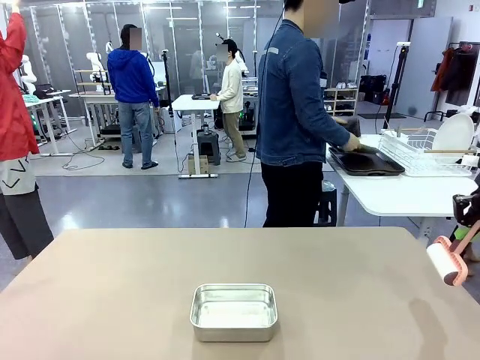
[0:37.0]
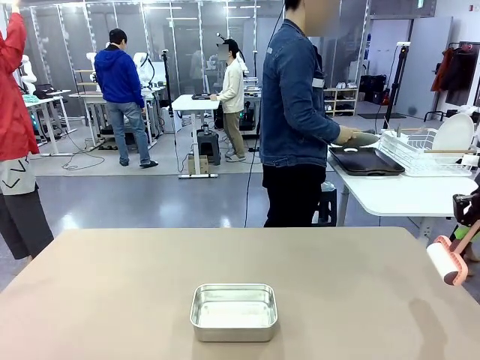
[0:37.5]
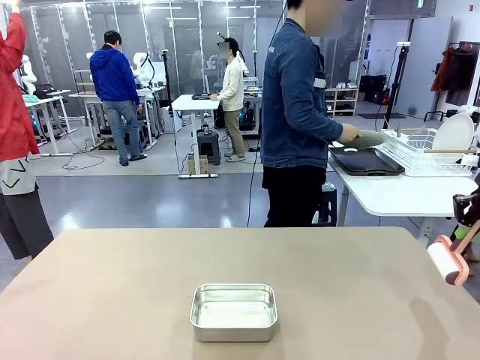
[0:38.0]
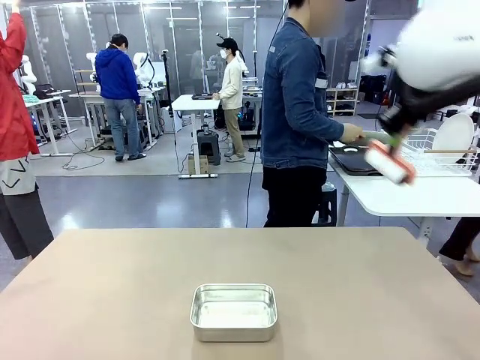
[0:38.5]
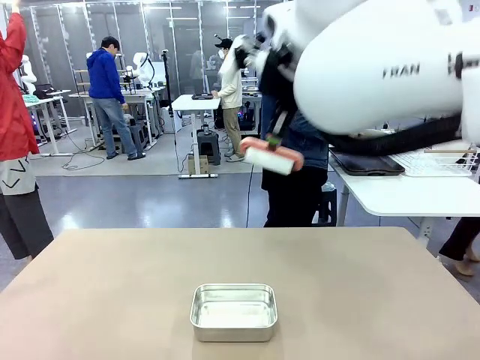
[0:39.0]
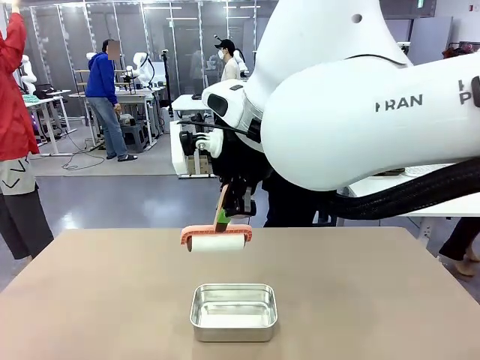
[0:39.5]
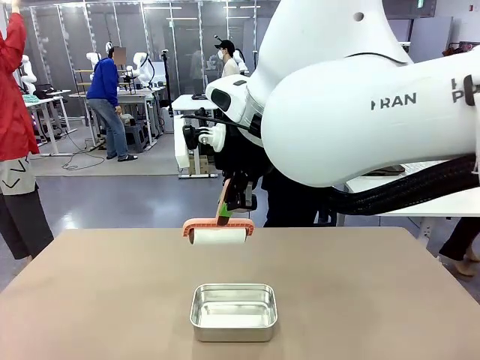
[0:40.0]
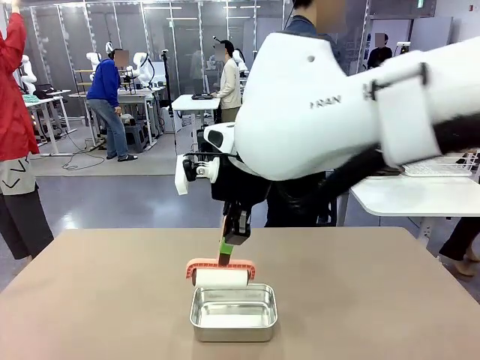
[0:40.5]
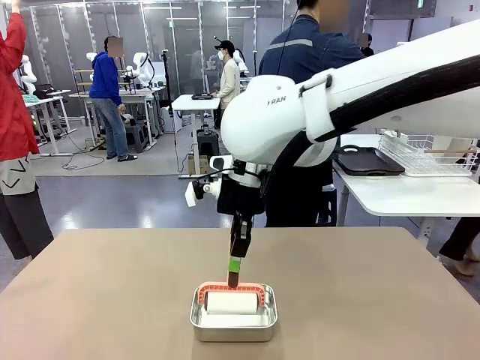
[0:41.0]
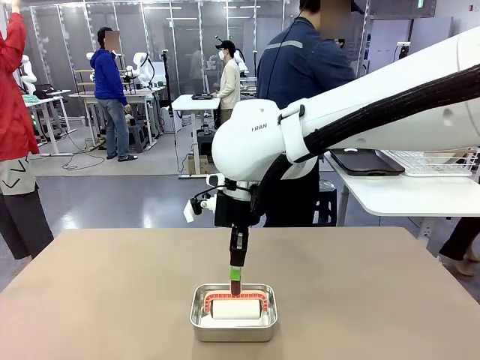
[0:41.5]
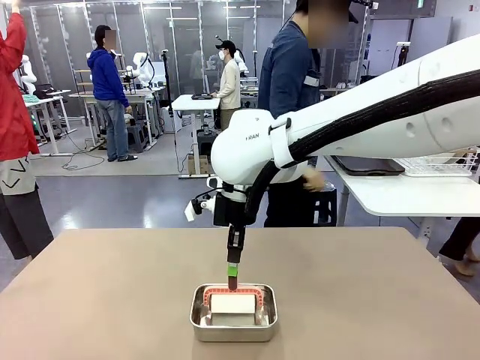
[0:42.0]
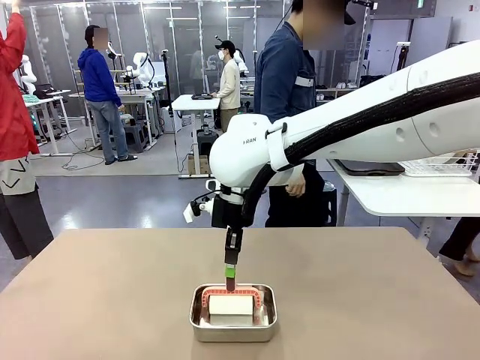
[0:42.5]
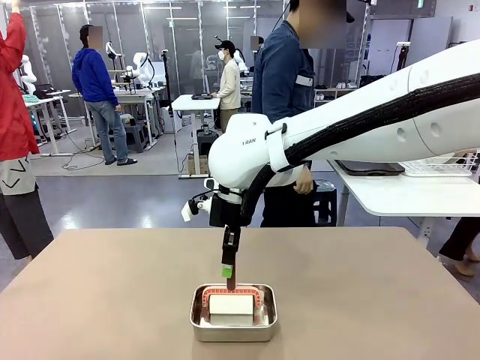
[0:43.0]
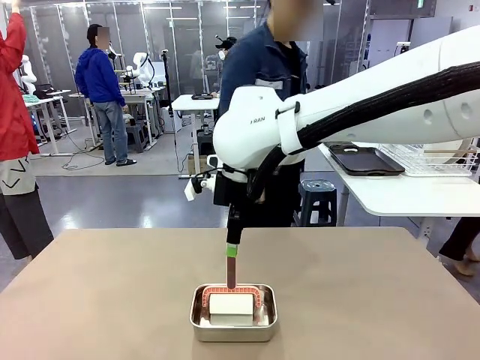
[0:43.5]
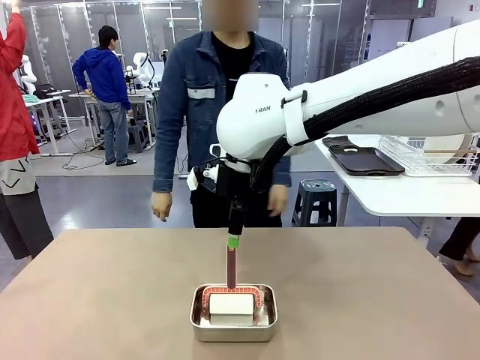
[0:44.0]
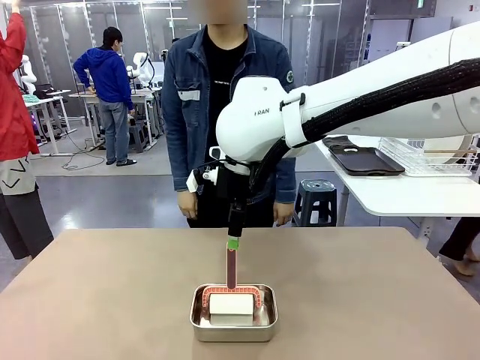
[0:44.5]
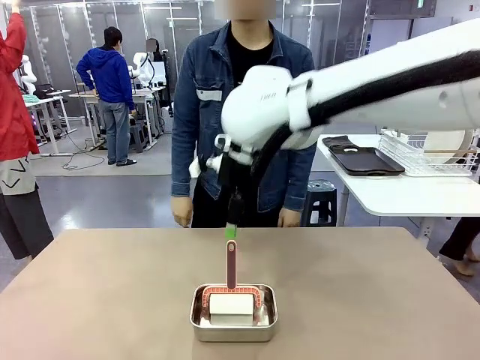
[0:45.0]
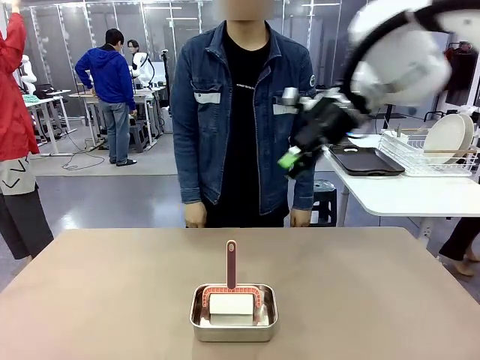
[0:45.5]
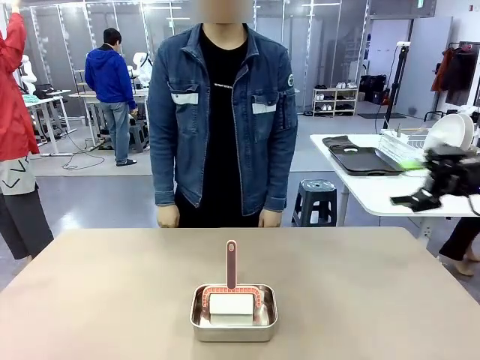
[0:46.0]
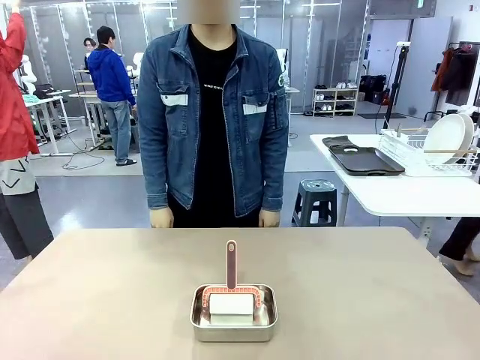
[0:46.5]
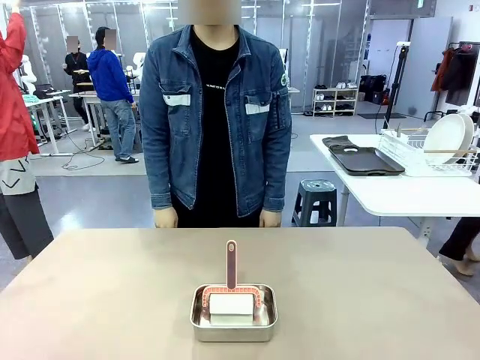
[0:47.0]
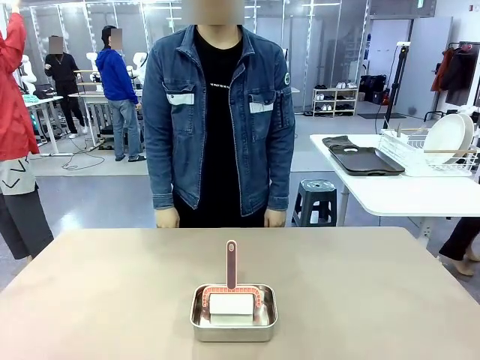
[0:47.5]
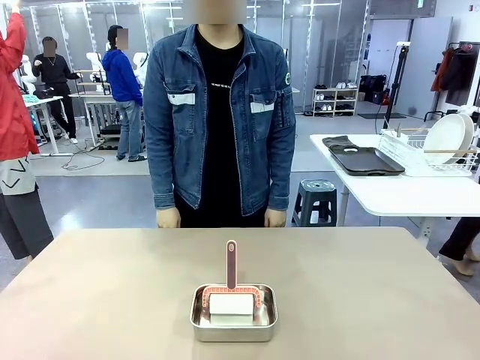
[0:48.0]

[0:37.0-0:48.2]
Robot: Place the Lint Roller back on top of the Airtight Container.
Person: Use the Towel with hook to wipe the Plastic Matte Plate , Fork , and Knife and place into the Dish drying rack.

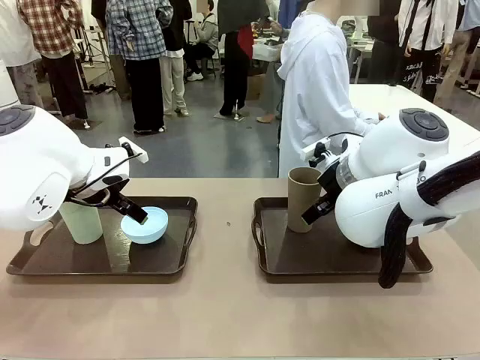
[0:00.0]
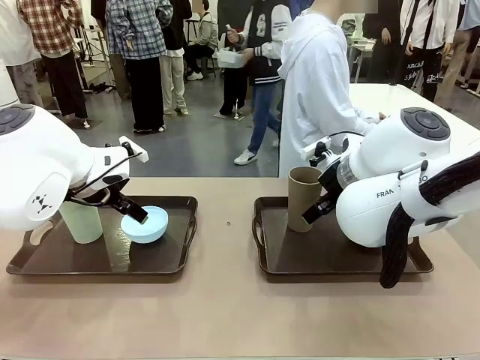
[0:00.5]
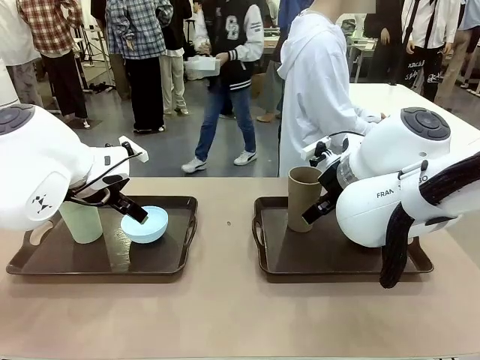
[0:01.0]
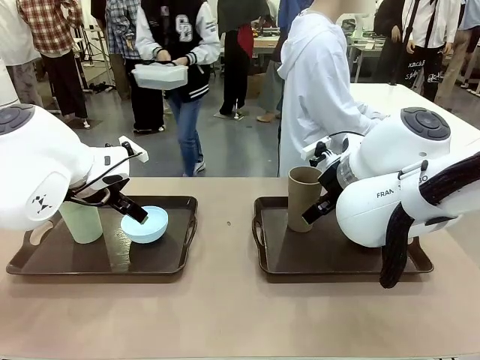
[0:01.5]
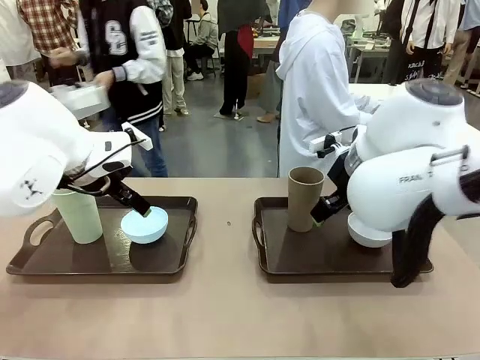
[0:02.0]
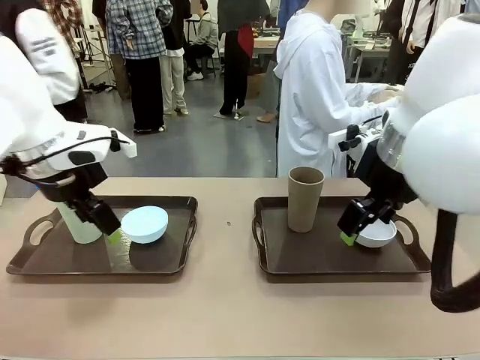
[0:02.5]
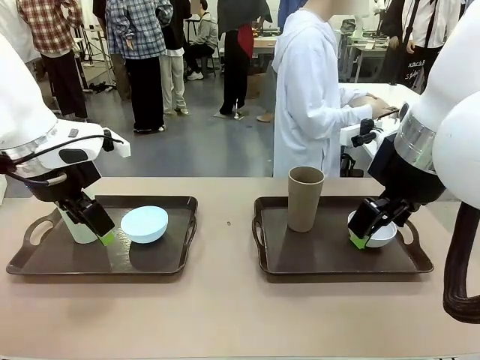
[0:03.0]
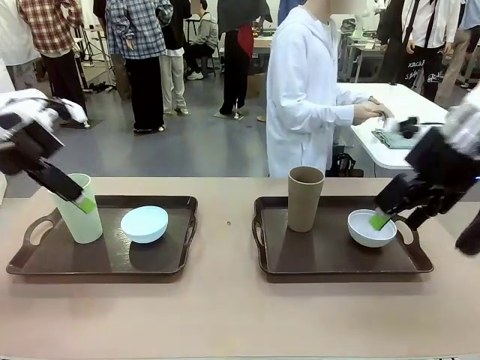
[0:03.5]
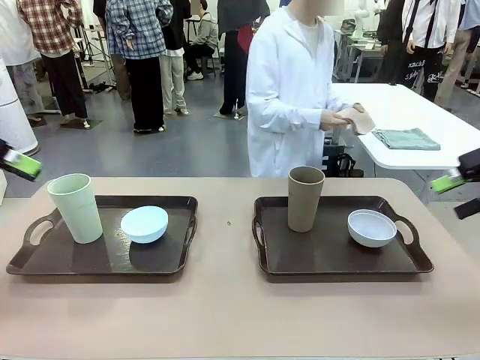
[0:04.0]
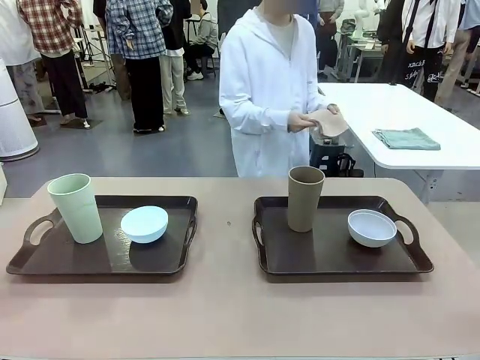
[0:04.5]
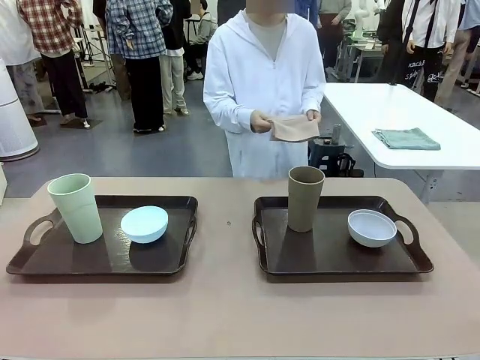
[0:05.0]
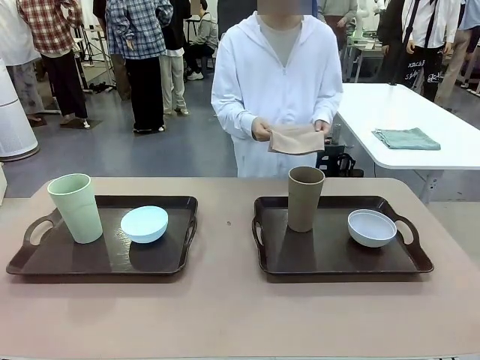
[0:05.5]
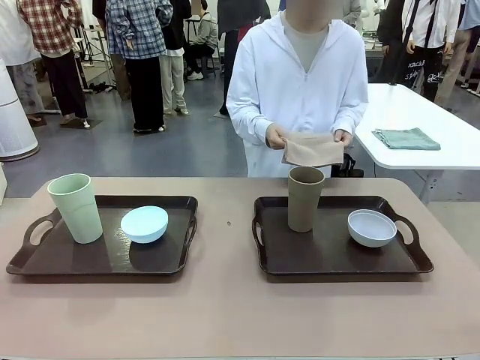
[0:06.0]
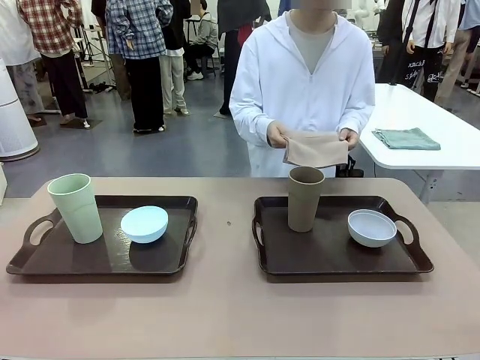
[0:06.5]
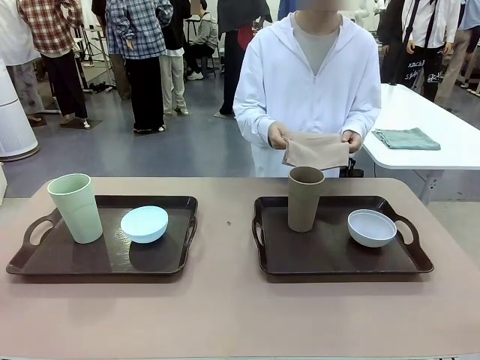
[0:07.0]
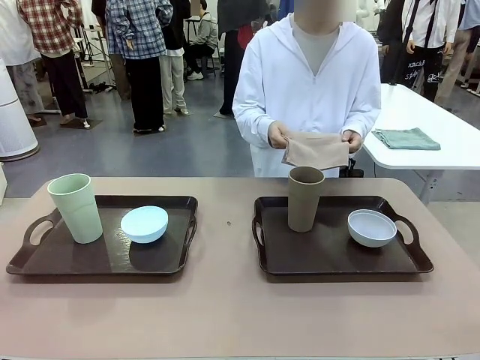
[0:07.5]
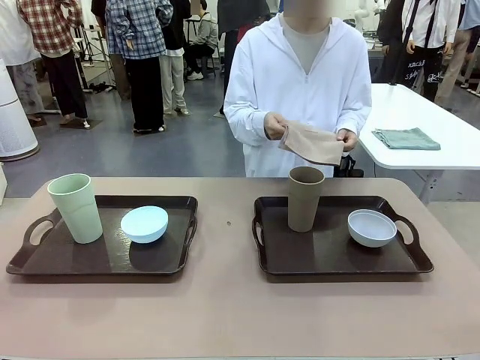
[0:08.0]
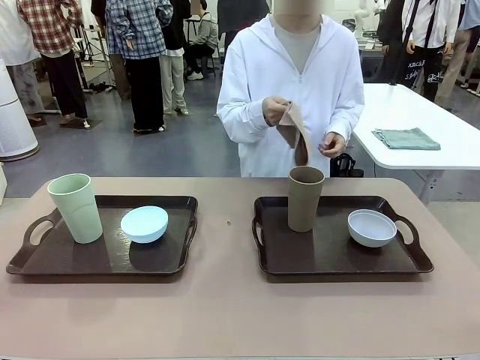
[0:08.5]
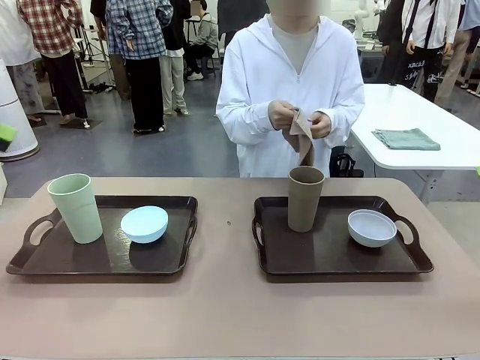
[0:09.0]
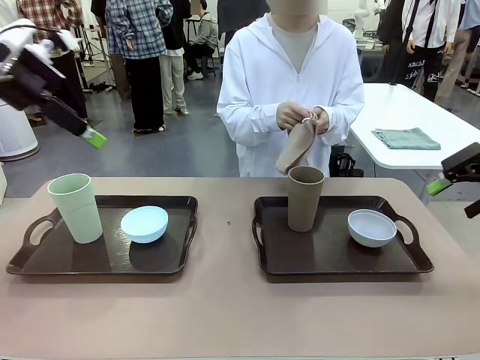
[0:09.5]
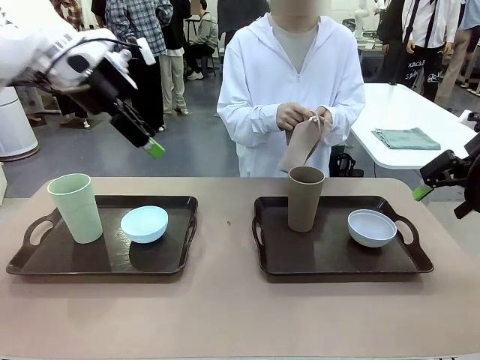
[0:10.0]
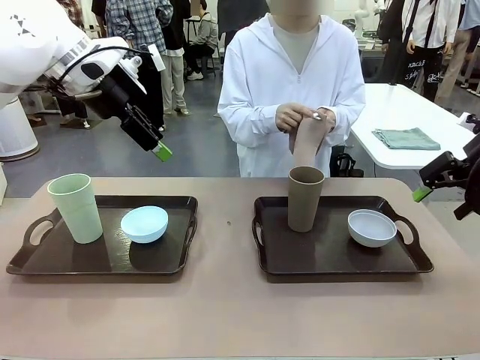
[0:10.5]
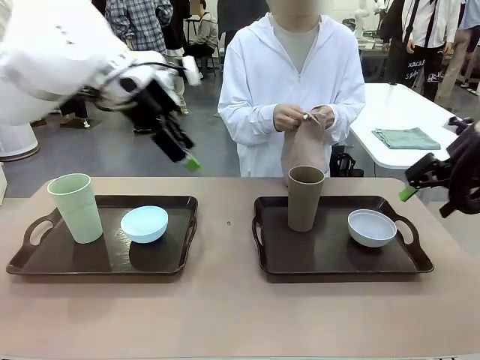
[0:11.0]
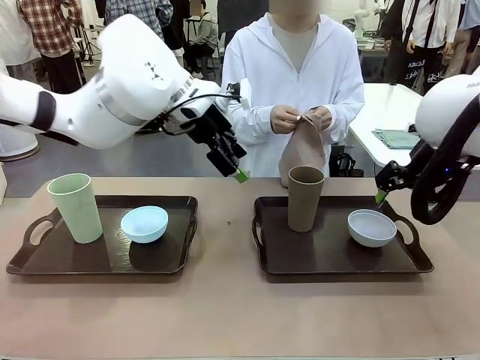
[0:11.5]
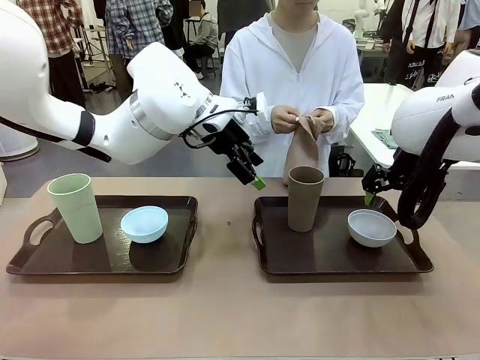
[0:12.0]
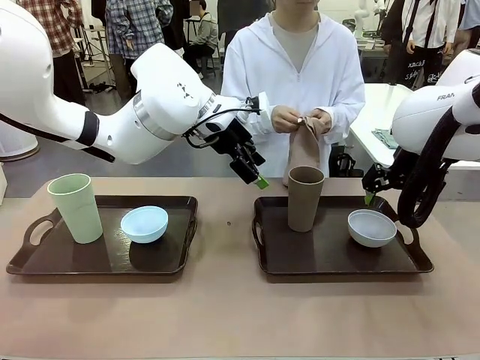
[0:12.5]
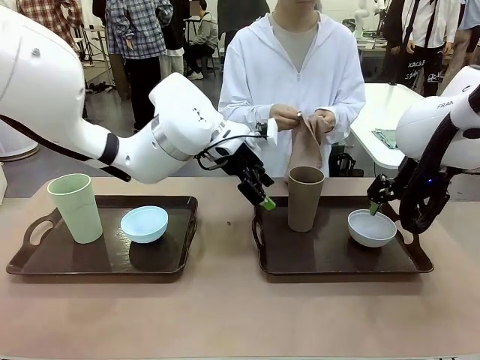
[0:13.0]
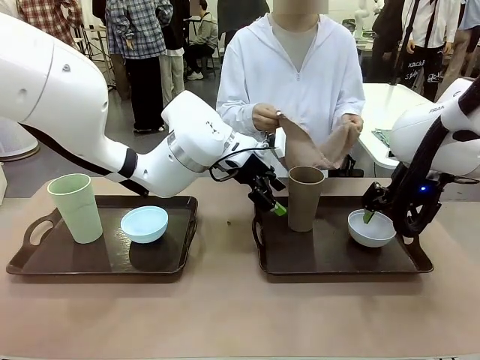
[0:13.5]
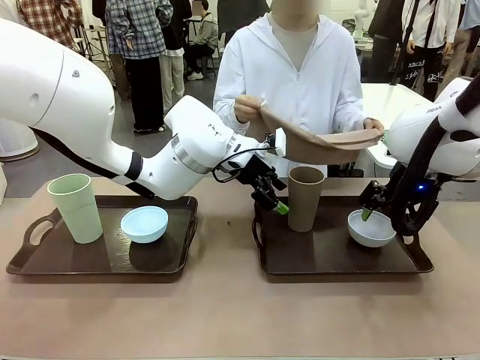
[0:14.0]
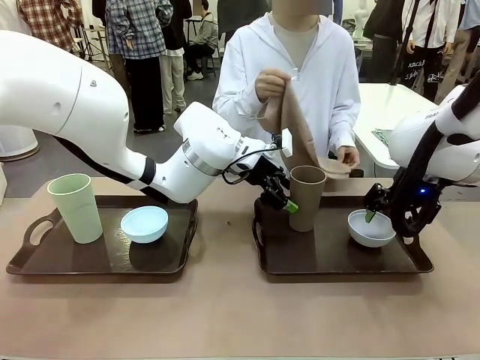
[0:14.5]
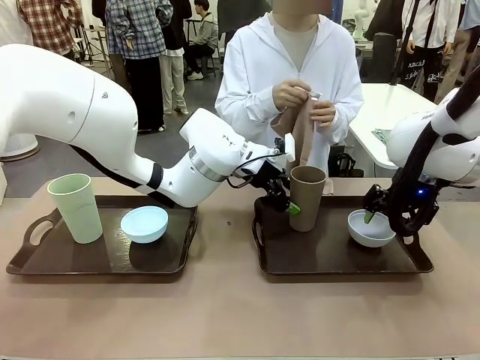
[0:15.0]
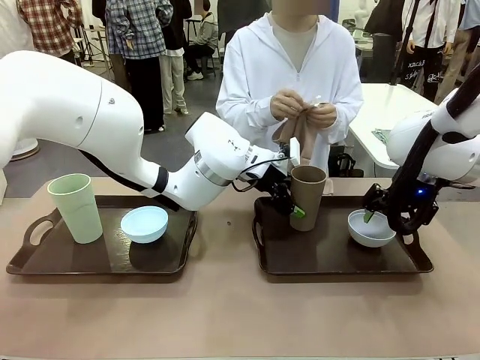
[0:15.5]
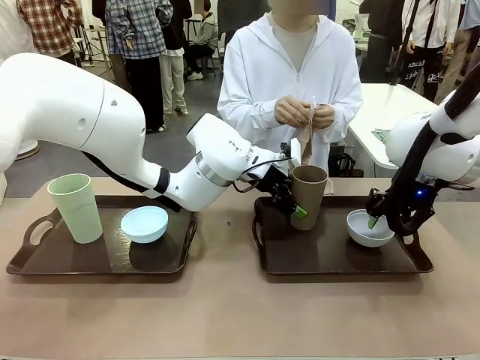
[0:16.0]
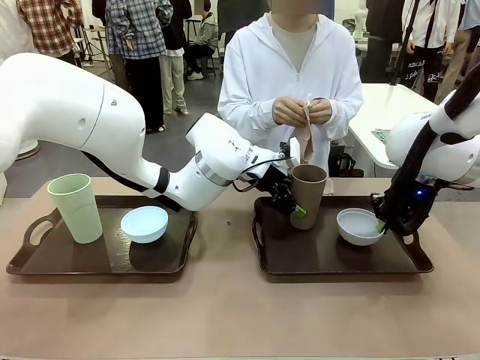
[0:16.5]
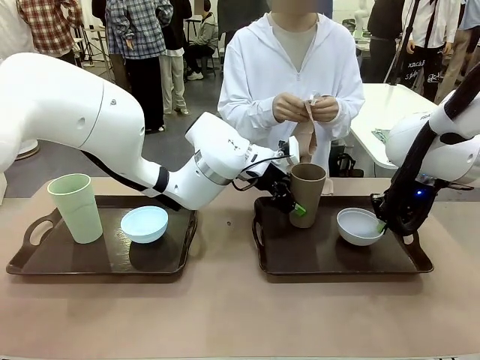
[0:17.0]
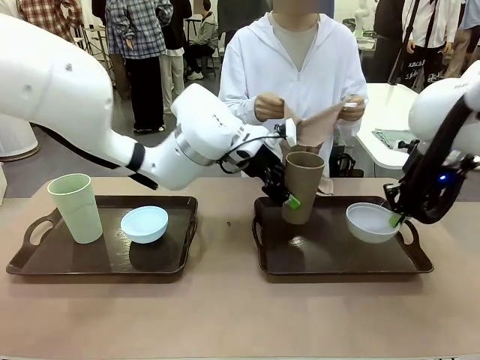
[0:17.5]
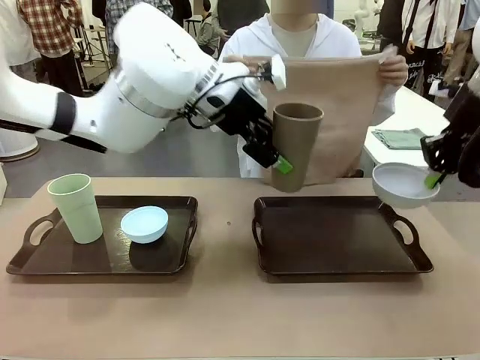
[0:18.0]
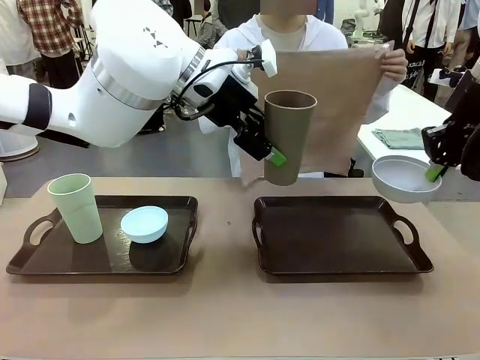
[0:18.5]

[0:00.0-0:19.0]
Robot: Pick up the Picnic Bowl and Reusable plastic cup from the Handle tray in front of the human's position and hold them in the air.
Person: The human picks up the top napkin from the stack on the human table and walks to the robot table to stand in front of one of the two trays. When the robot lifts the bowl and the cup, the human unfolds the napkin and lays the napkin flat on the tray.
